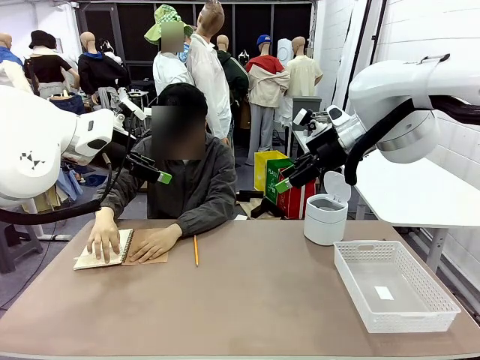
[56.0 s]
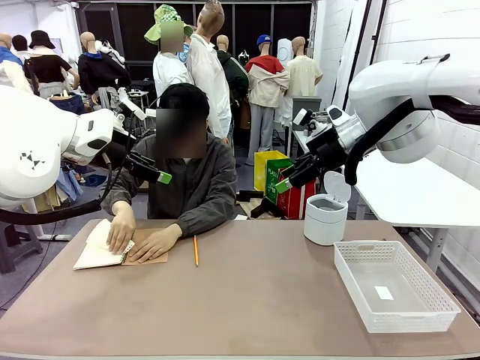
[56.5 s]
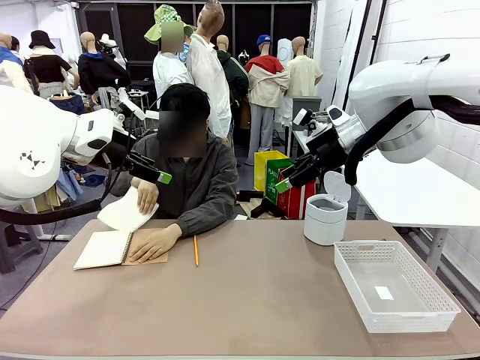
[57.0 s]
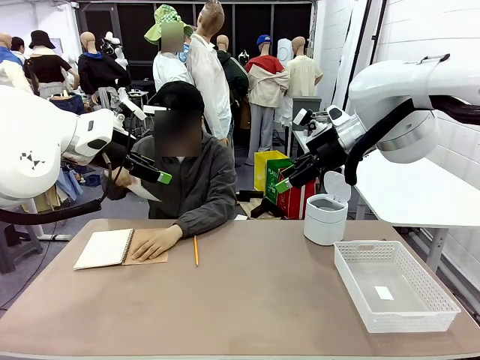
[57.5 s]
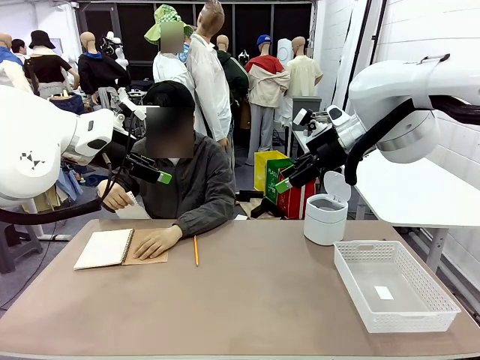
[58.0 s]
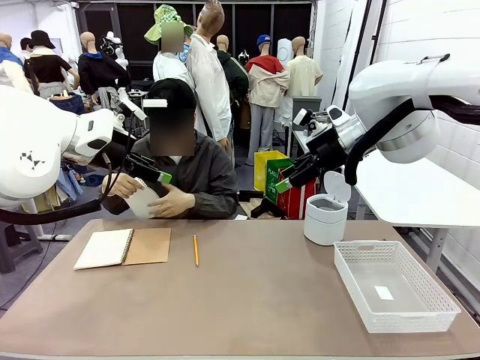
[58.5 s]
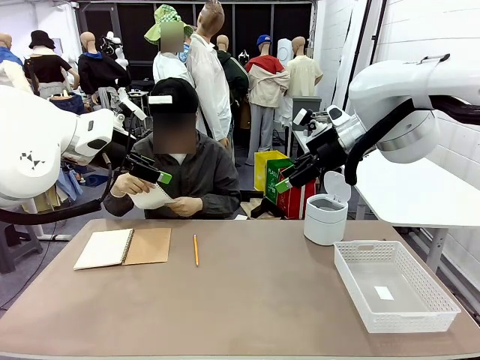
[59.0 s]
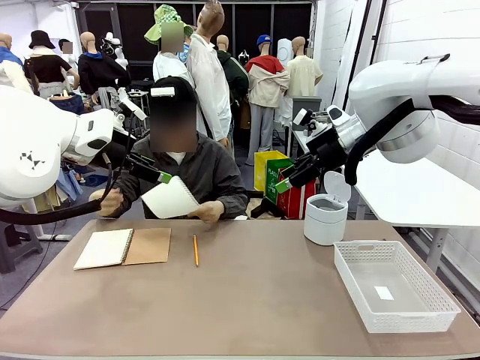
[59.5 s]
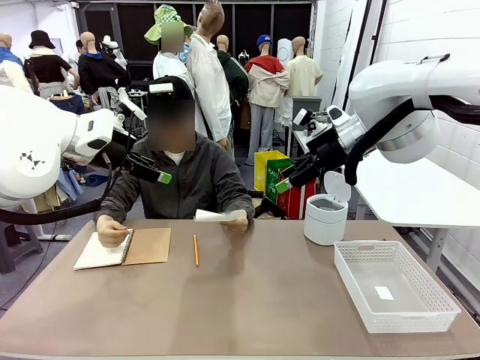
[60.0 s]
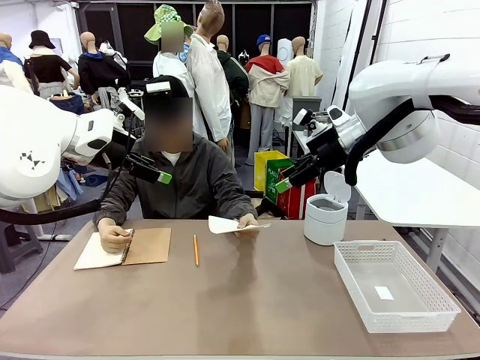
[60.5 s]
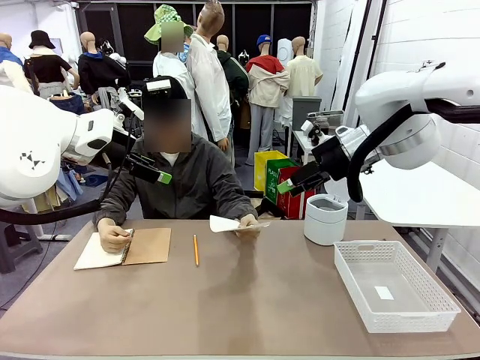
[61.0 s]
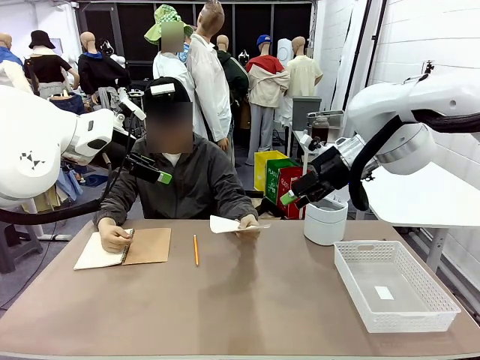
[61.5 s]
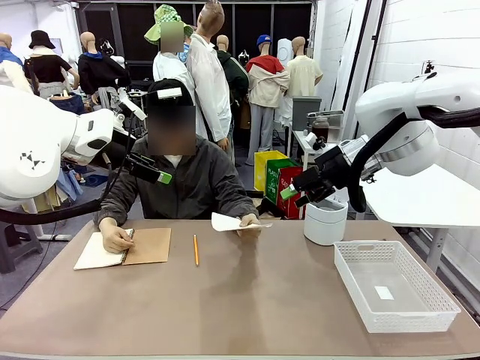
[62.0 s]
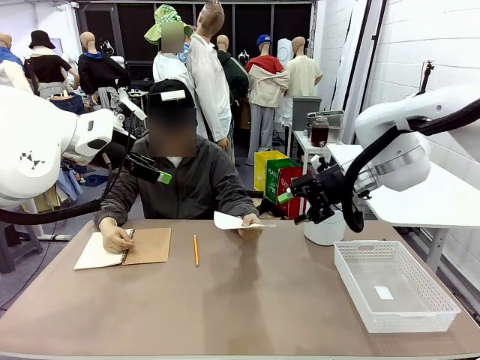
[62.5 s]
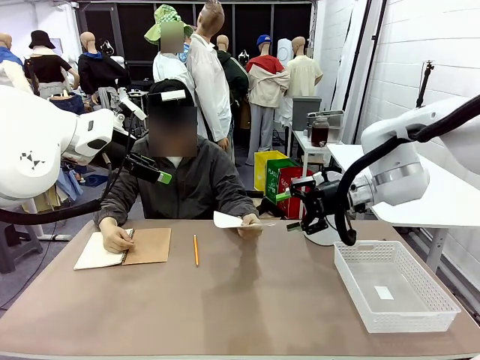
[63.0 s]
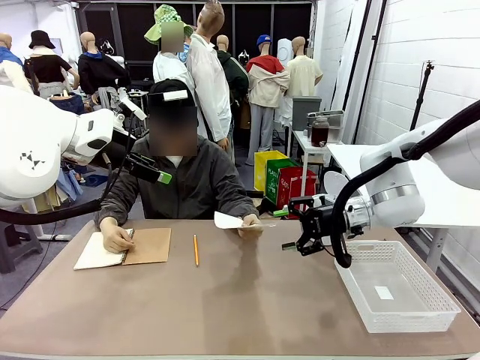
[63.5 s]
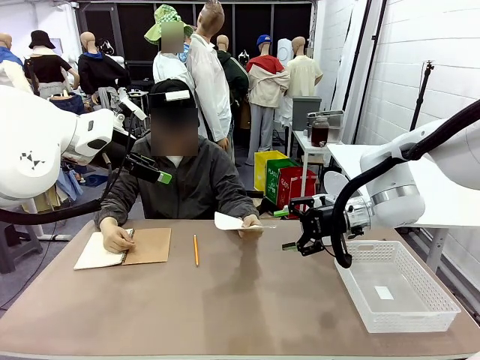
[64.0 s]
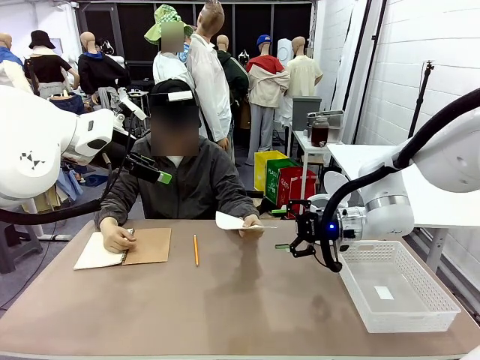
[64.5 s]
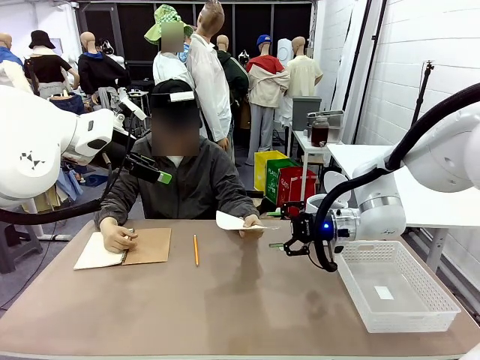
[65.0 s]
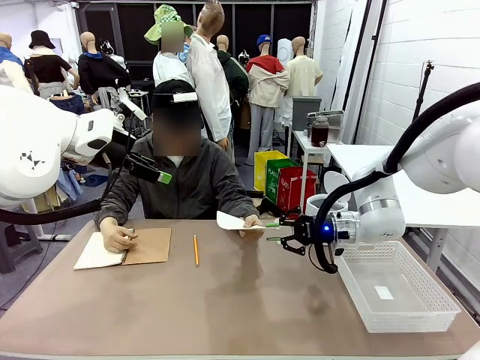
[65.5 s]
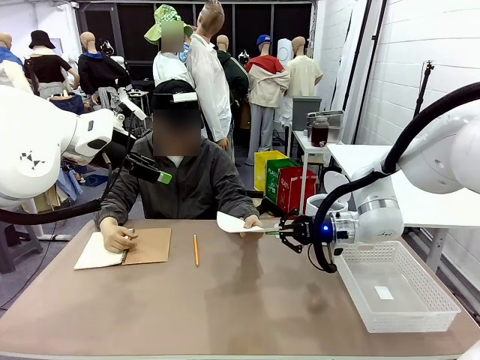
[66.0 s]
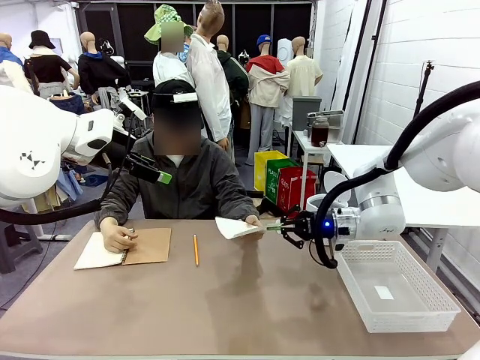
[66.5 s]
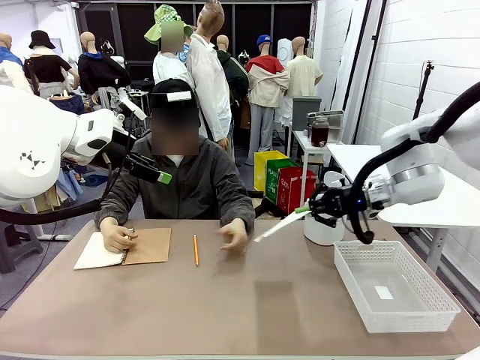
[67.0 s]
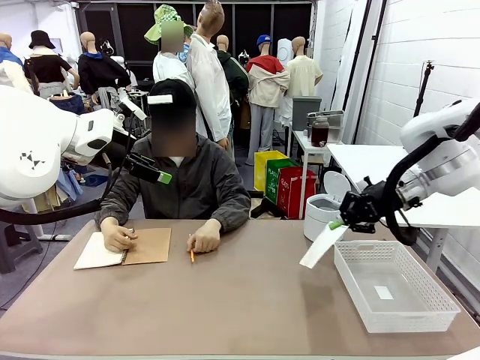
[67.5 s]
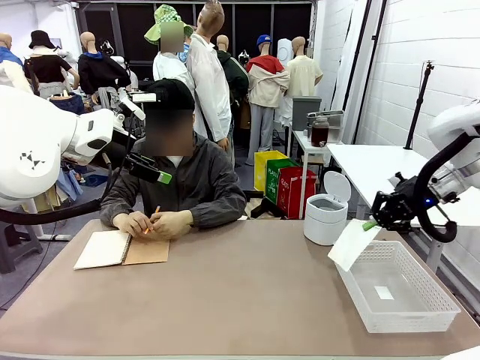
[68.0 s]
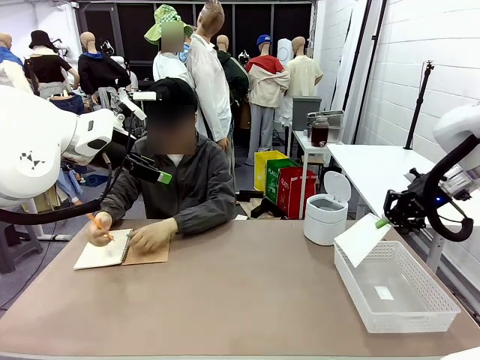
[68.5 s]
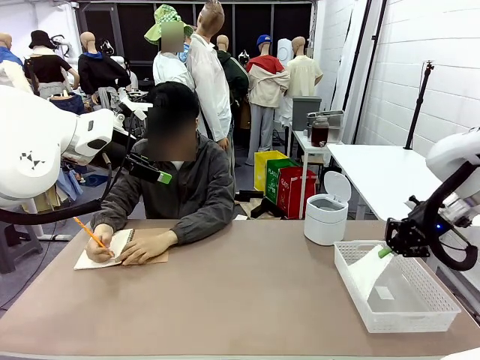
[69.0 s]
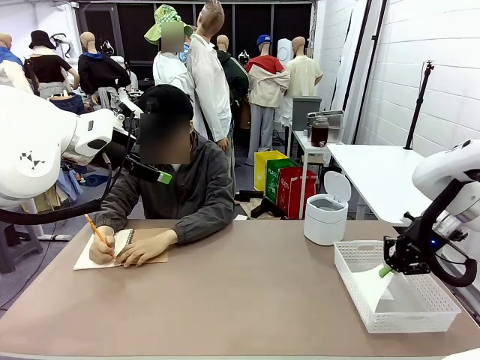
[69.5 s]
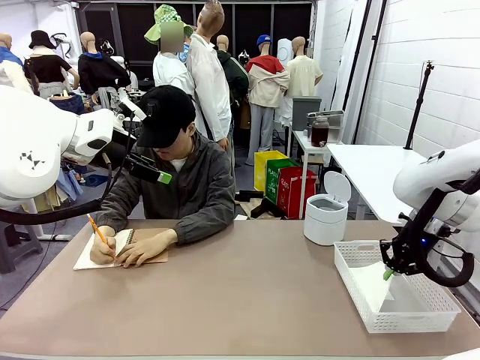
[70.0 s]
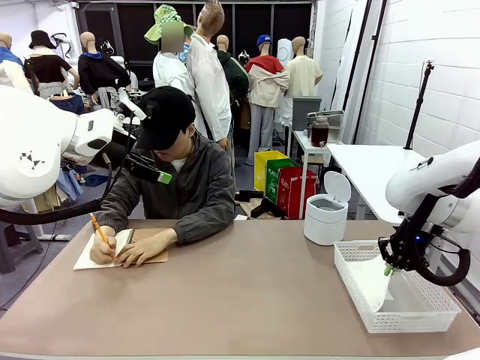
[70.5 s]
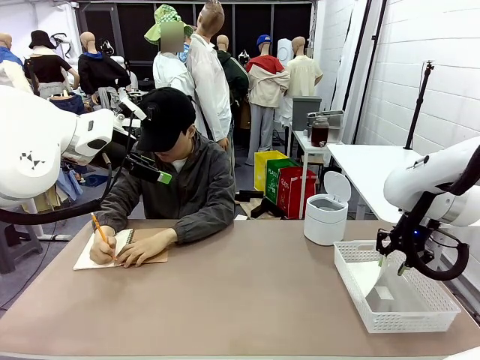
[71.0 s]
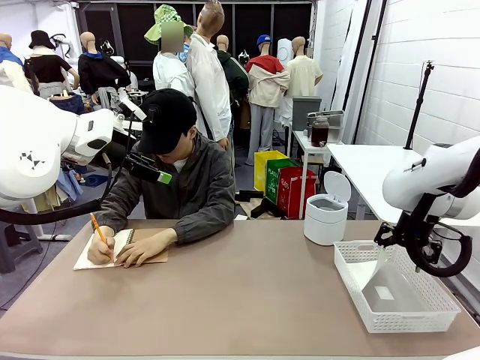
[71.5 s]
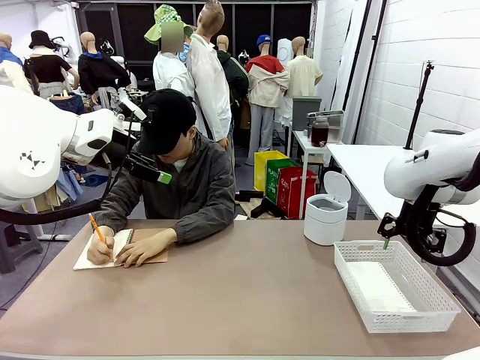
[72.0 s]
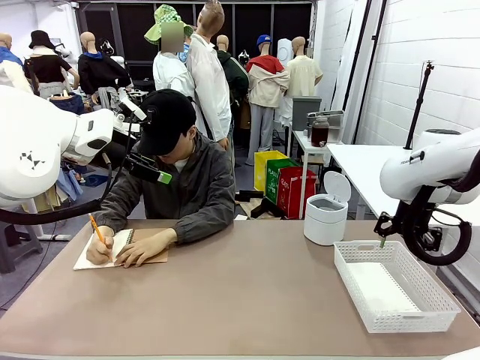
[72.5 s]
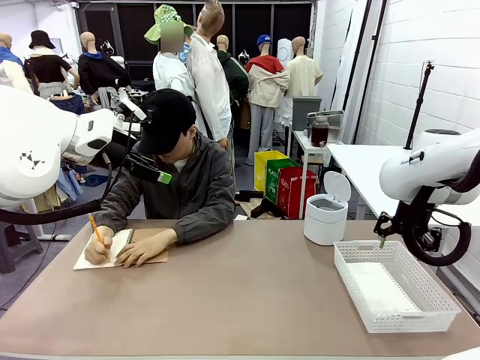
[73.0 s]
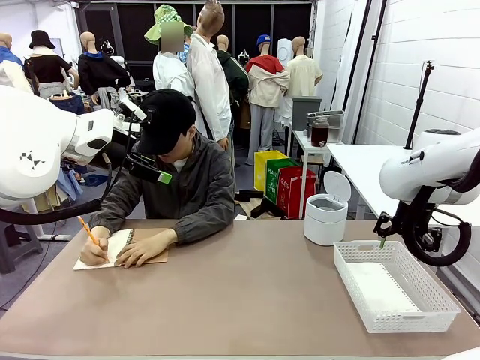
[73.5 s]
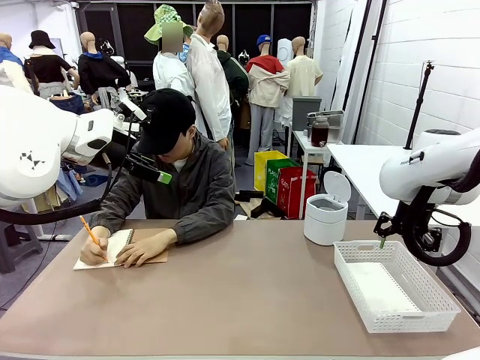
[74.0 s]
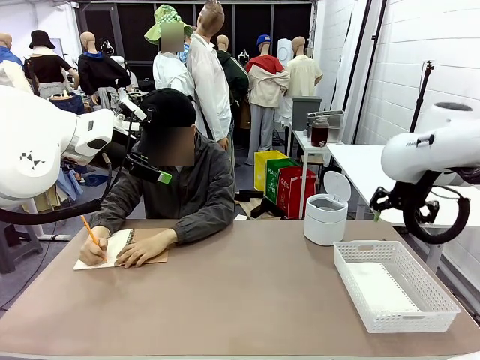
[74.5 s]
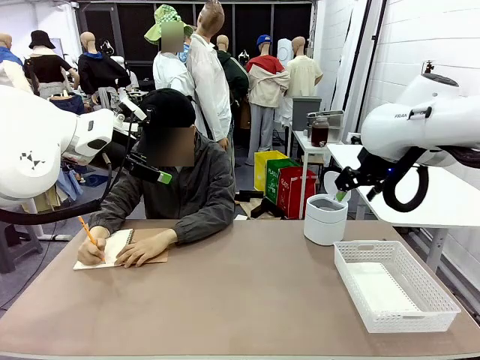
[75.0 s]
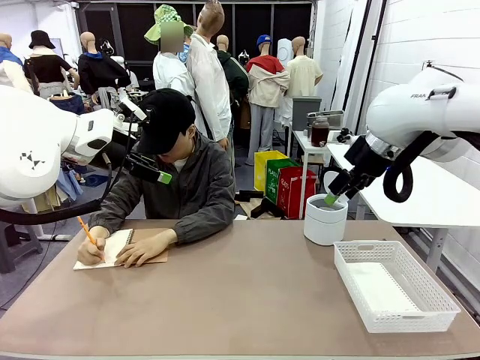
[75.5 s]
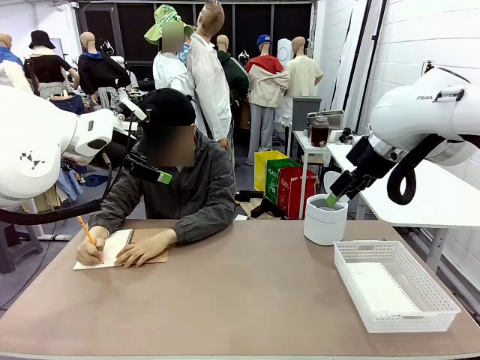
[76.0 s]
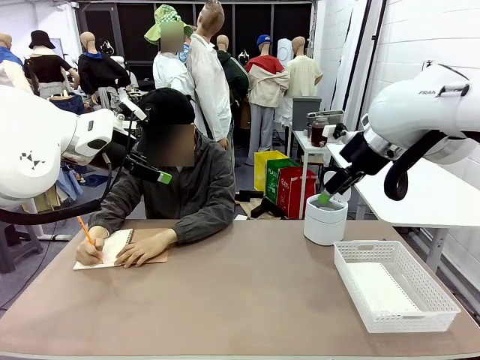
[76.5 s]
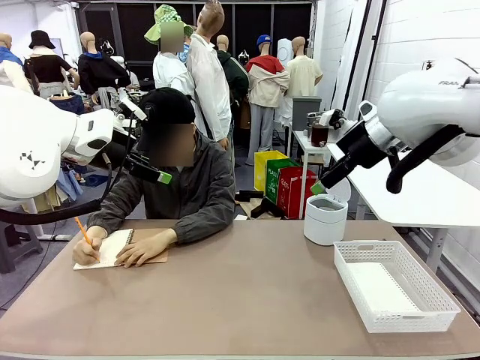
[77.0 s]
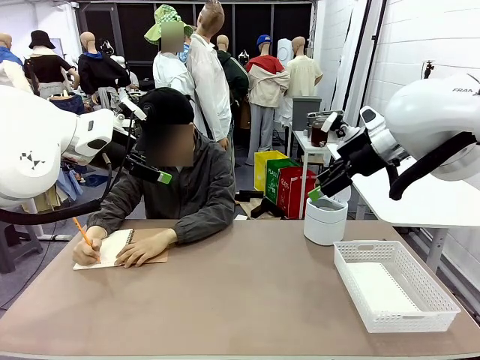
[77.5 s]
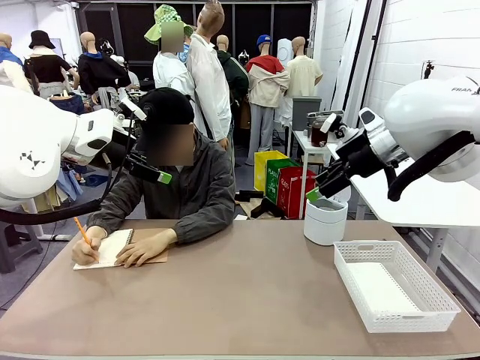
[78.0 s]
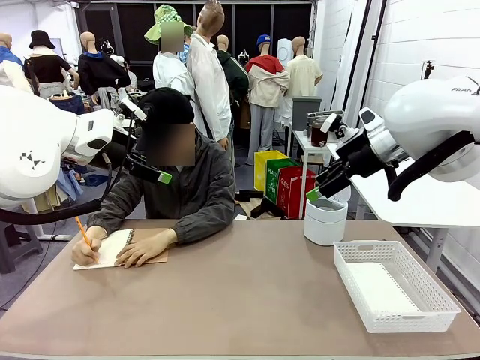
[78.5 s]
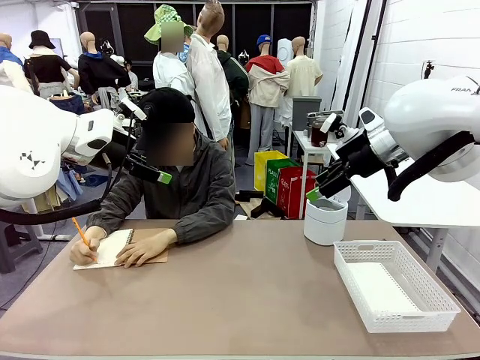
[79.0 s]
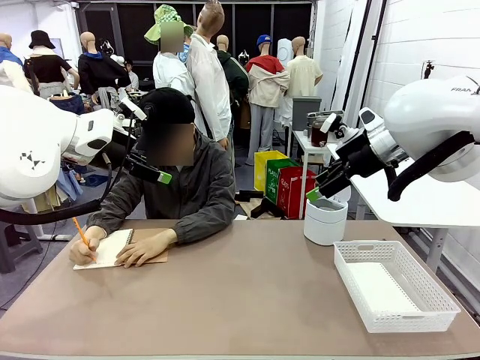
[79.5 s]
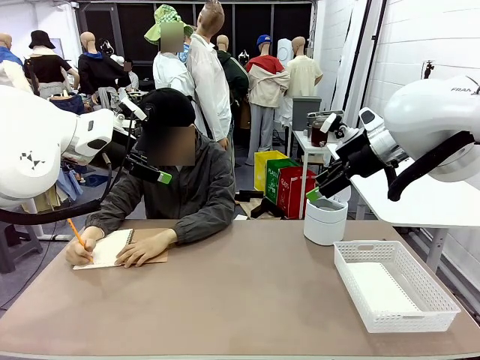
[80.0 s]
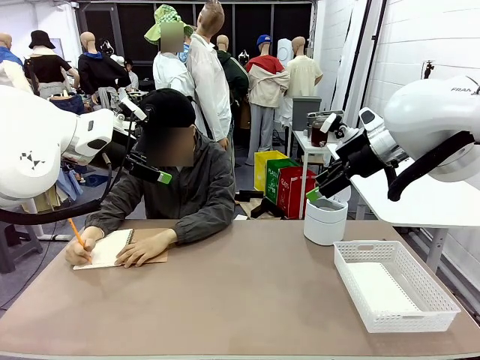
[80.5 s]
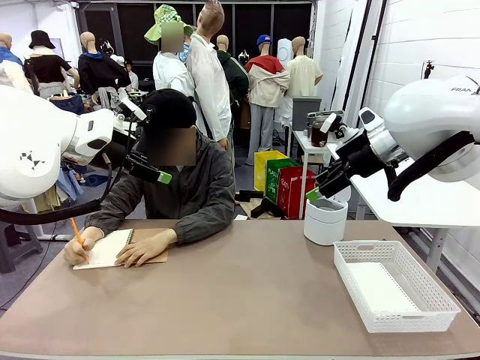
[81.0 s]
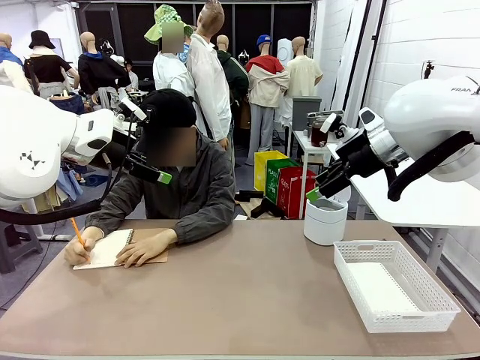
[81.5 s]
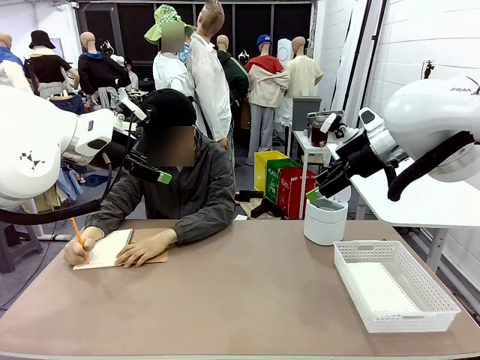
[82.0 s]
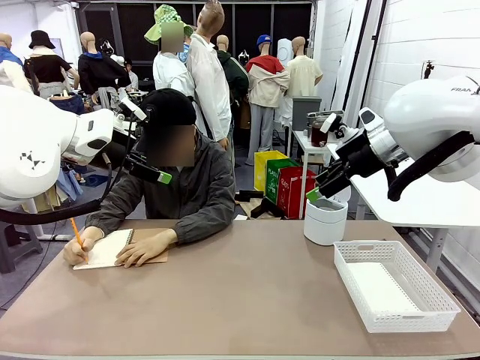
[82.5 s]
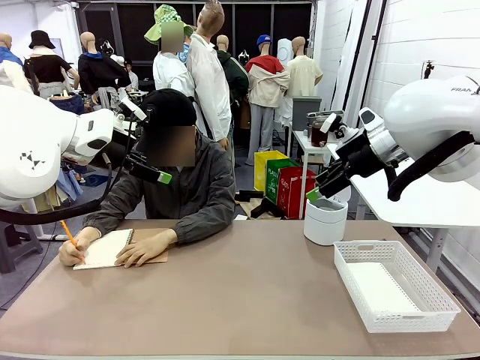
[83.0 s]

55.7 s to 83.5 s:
Task: Sort the paper based on its condition.
Robot: If a person hands you a paper, place it in the Organizing basket , and if it's crumpled, put it in the Trash can.
Person: Hand the torn page to the robot or crumple it and throw it to the center of the table. Tear out a page from the spiral notebook.
